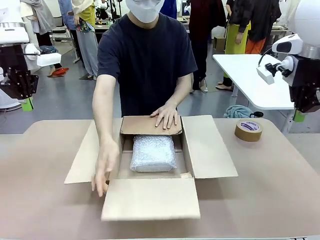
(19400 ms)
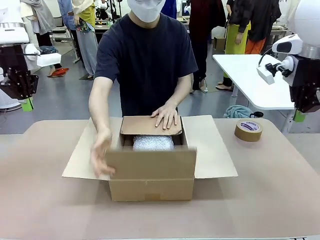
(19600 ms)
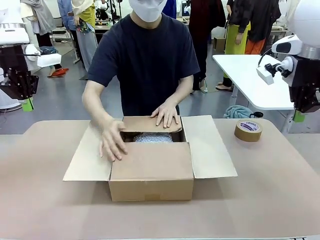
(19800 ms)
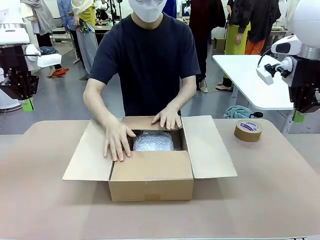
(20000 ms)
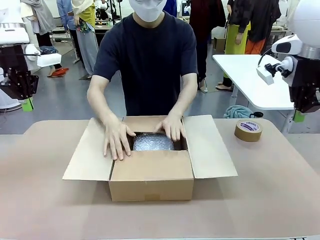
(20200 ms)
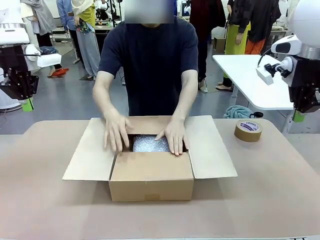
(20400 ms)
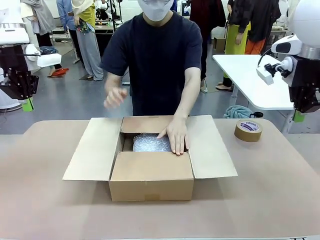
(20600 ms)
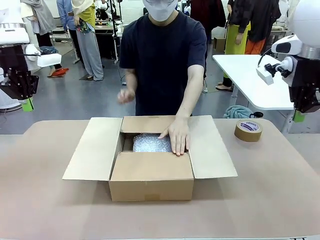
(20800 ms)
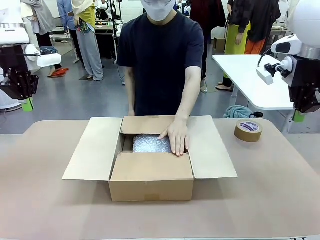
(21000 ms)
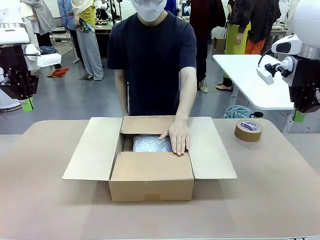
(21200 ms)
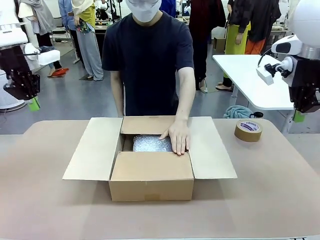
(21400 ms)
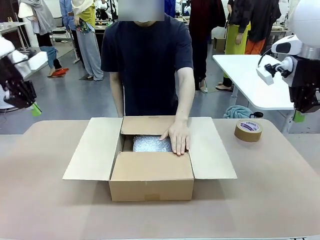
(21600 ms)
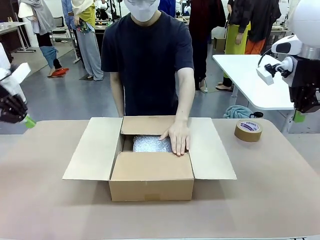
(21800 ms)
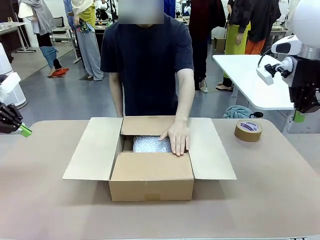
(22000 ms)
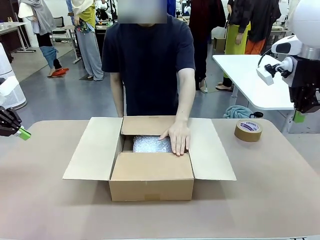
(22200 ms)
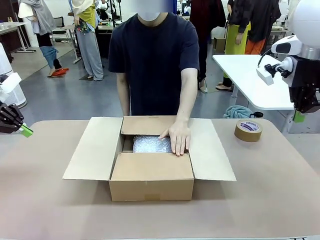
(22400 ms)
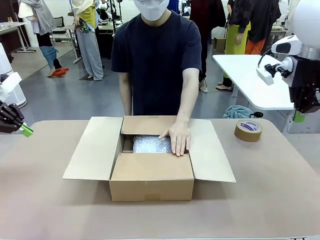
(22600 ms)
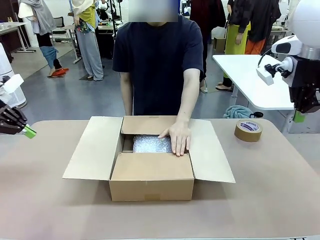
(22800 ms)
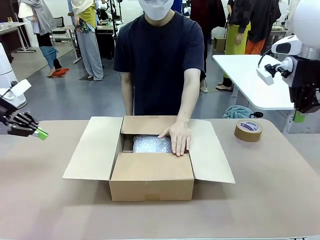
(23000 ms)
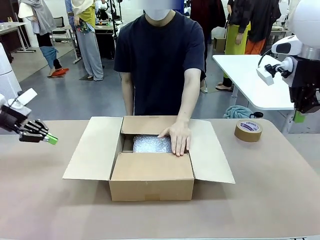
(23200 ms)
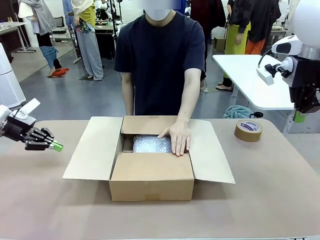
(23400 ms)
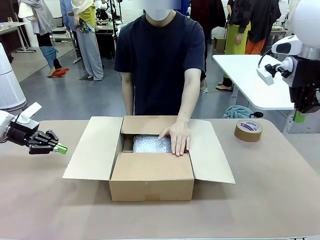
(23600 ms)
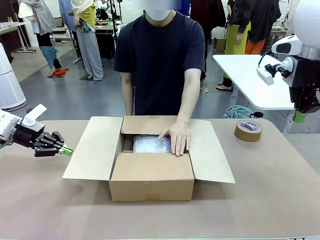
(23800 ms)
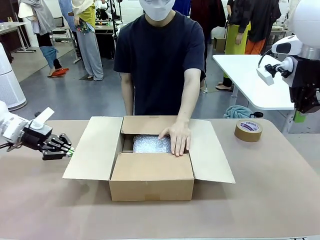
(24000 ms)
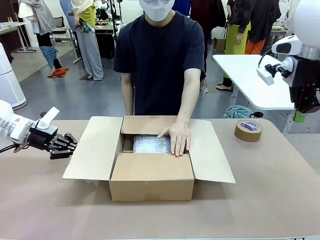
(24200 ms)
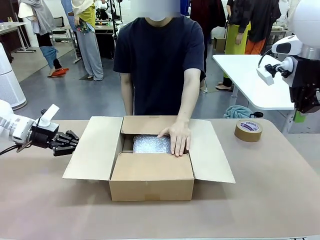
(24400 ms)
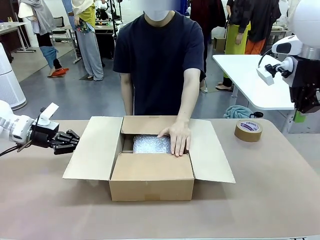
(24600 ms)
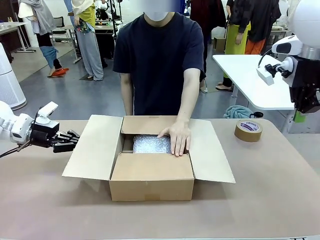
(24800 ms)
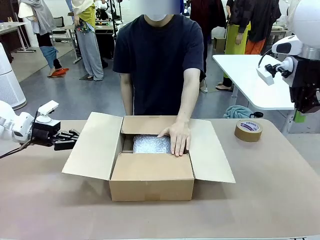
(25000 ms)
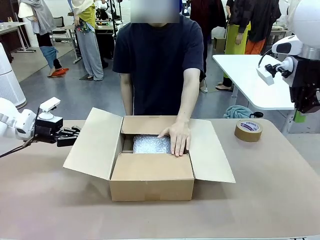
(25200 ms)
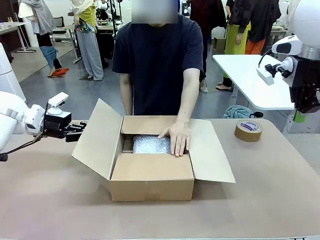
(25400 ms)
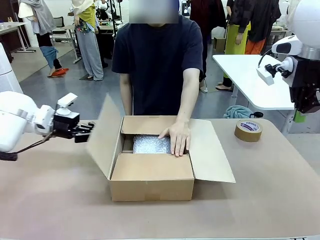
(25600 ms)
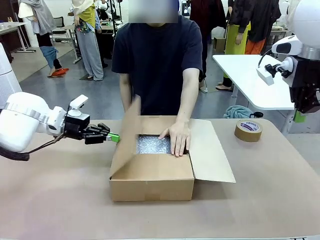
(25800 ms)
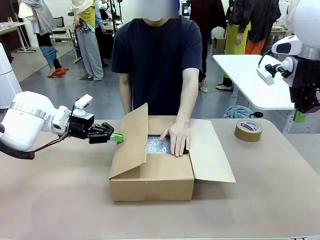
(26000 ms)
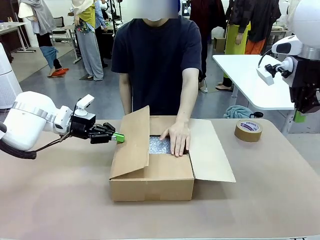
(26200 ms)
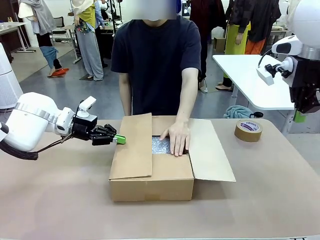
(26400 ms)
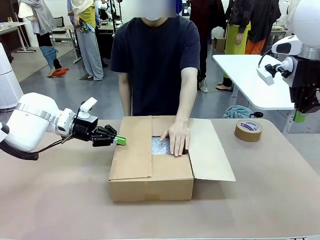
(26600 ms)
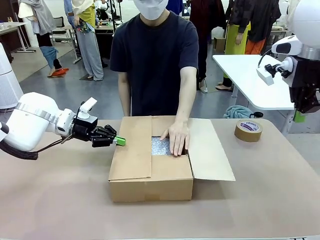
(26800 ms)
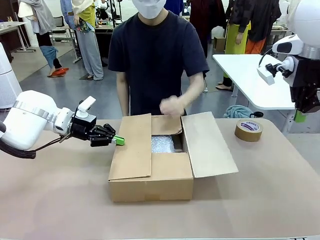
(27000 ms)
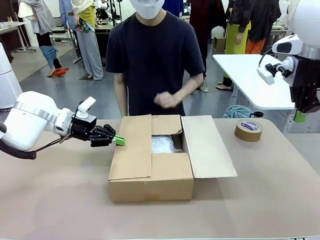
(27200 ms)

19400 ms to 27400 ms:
Task: Wrap the clocks to prevent damage.
Robot: Push the right (or left) flap of the Package Box to close it.
Person: Once the robot closes the right flap of the Package Box , release your left hand from the box.

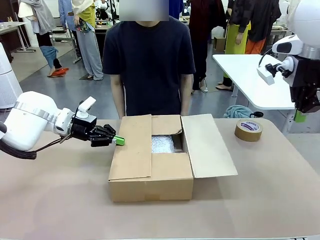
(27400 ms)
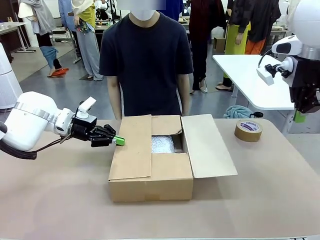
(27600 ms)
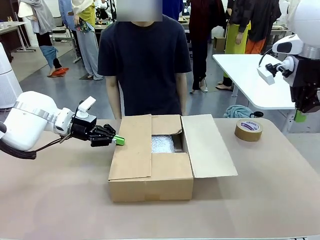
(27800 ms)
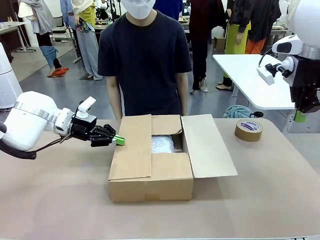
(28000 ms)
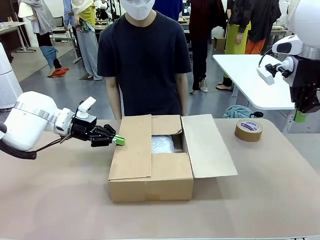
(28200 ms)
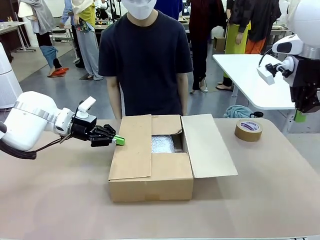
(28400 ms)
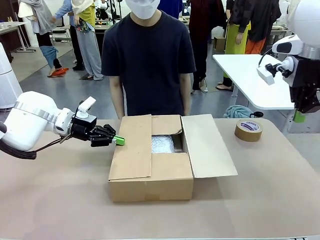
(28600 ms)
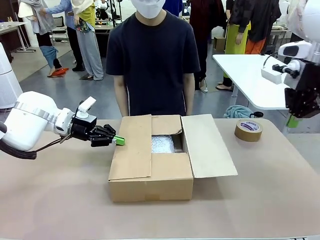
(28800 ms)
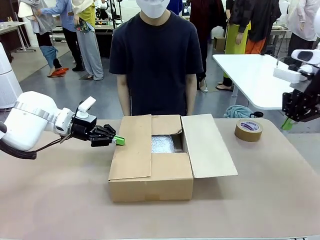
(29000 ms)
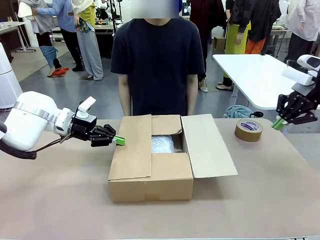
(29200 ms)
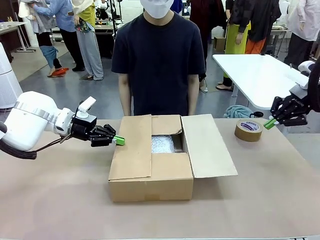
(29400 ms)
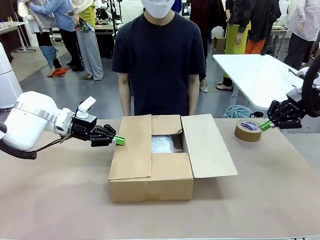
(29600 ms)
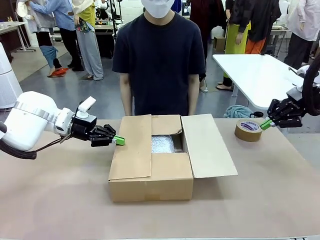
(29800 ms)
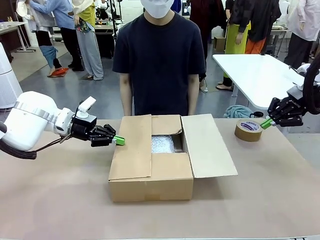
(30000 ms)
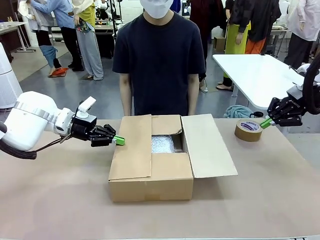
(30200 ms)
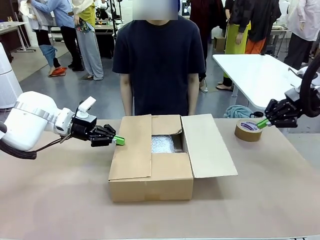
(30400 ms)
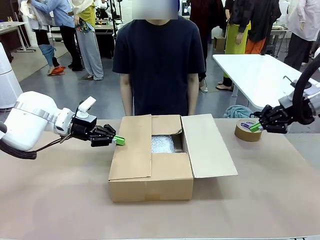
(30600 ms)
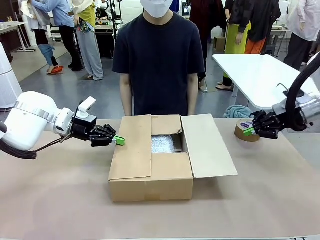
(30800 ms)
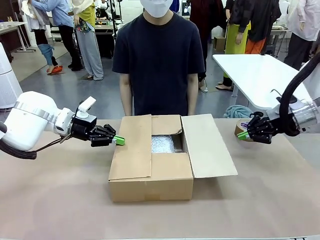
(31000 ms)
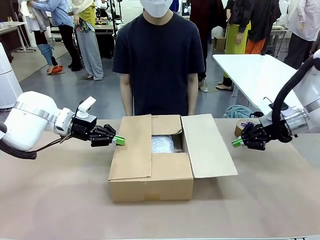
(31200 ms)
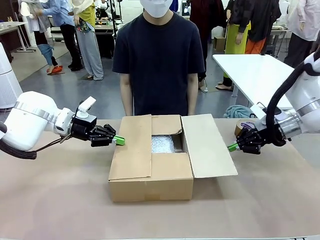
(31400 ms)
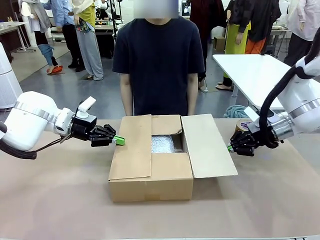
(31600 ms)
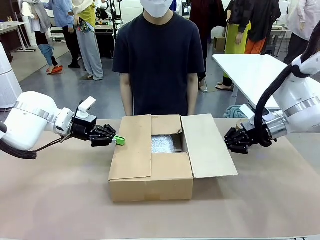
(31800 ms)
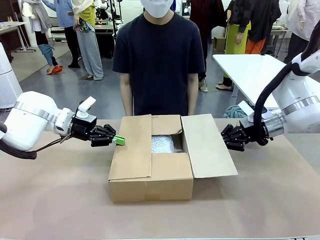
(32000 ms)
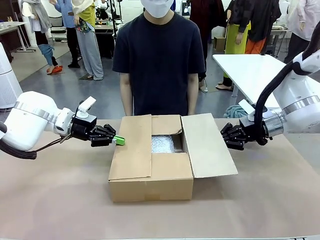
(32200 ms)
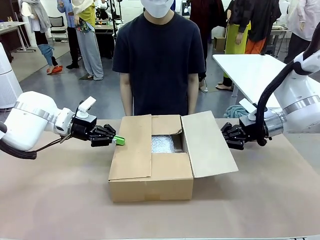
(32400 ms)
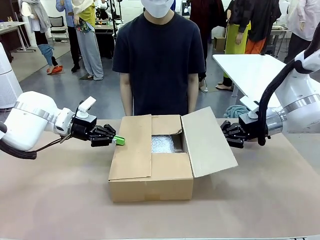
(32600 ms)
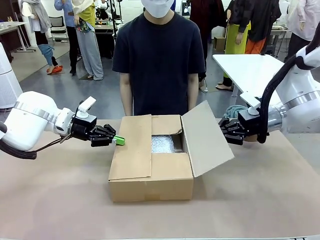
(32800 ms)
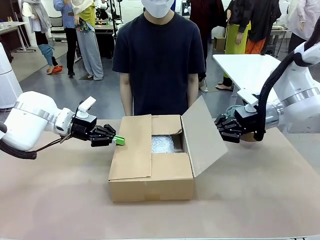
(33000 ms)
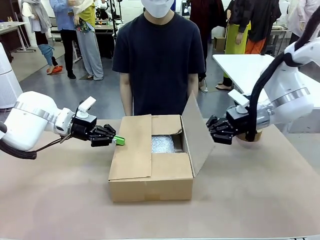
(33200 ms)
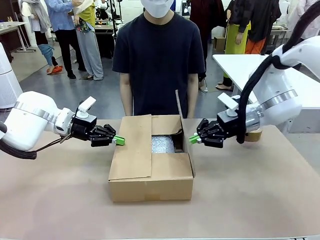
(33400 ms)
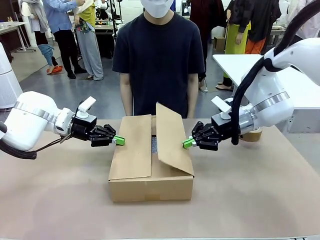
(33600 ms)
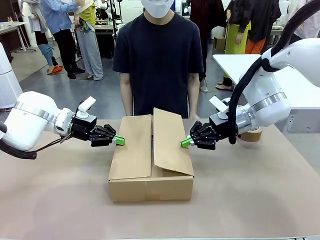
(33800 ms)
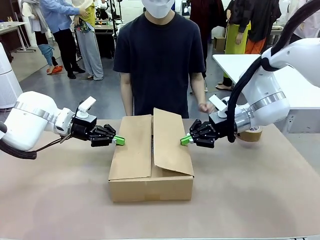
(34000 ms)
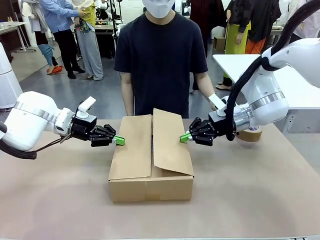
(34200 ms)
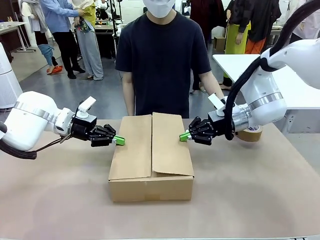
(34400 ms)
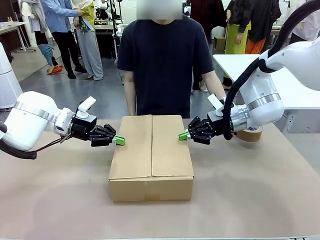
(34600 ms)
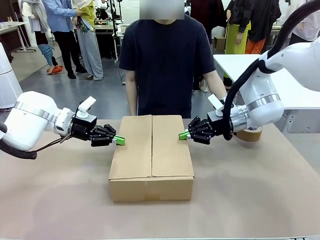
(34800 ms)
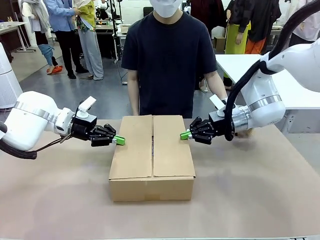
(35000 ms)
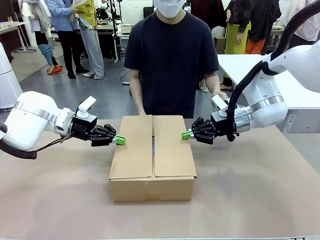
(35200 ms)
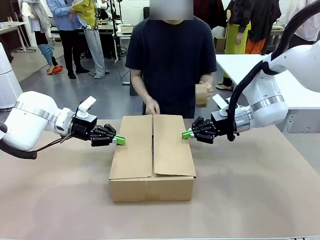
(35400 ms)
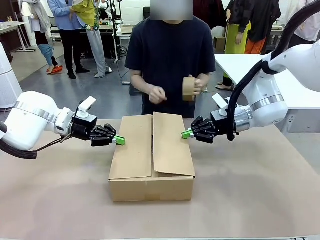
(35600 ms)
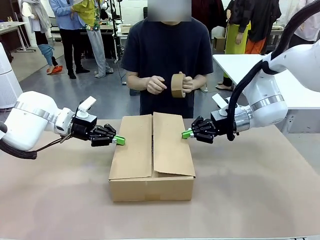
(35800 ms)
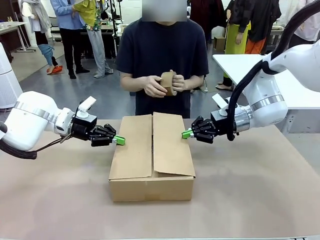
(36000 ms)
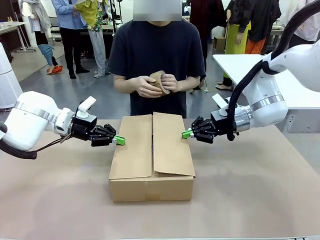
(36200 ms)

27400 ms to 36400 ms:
Robot: Push the left (or right) flap of the Package Box to close it.

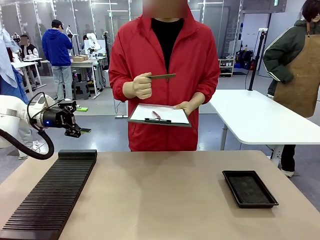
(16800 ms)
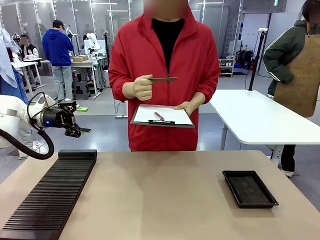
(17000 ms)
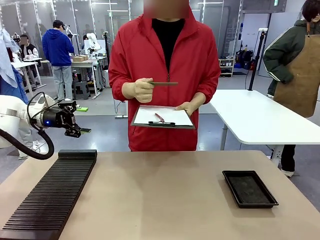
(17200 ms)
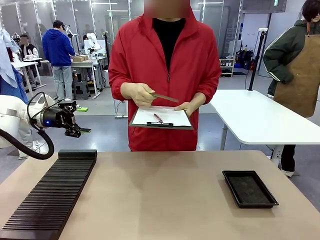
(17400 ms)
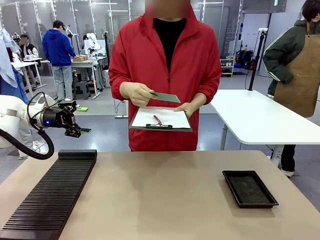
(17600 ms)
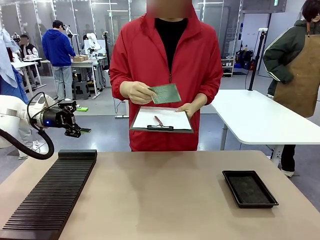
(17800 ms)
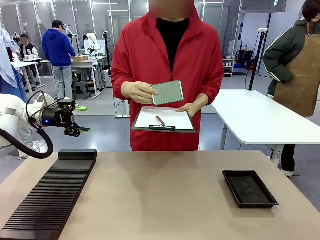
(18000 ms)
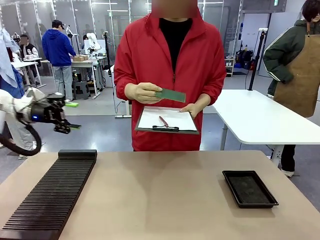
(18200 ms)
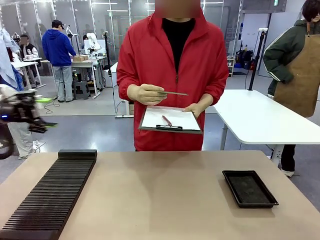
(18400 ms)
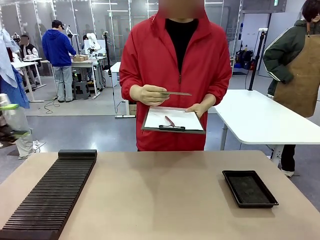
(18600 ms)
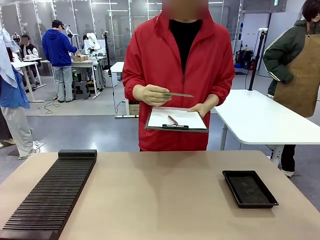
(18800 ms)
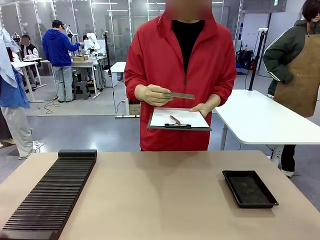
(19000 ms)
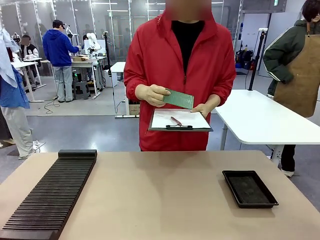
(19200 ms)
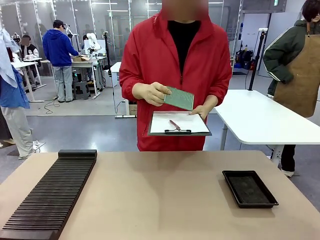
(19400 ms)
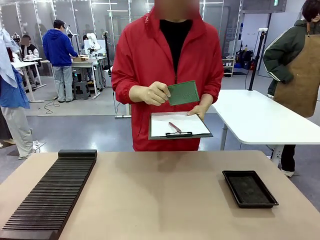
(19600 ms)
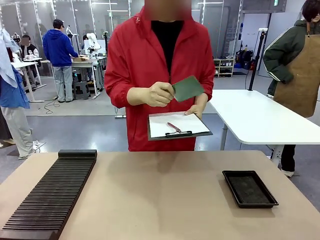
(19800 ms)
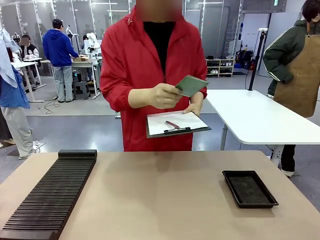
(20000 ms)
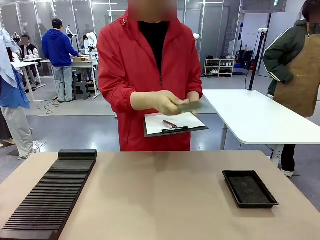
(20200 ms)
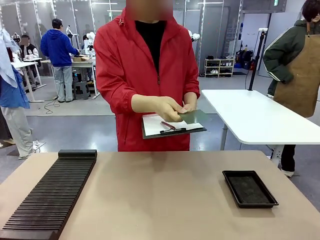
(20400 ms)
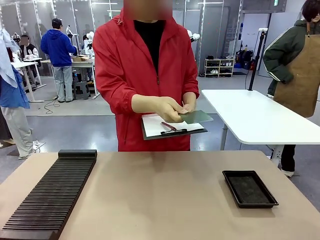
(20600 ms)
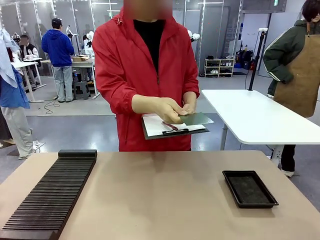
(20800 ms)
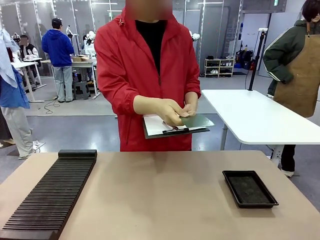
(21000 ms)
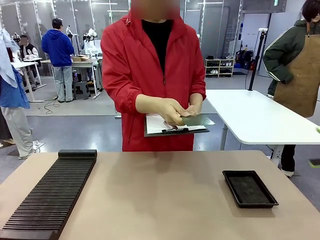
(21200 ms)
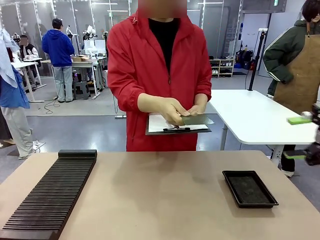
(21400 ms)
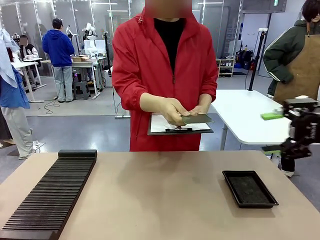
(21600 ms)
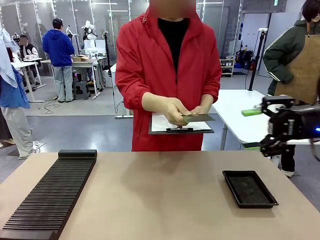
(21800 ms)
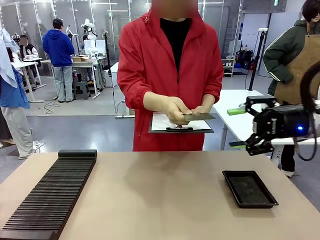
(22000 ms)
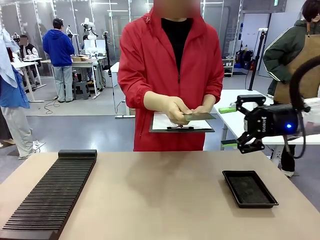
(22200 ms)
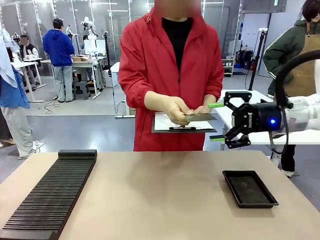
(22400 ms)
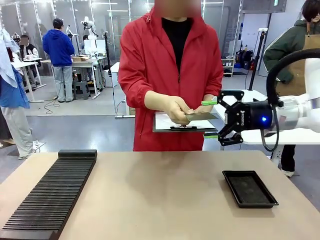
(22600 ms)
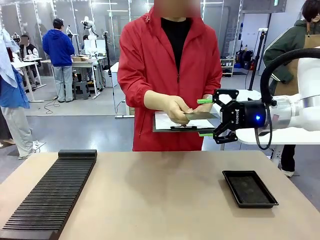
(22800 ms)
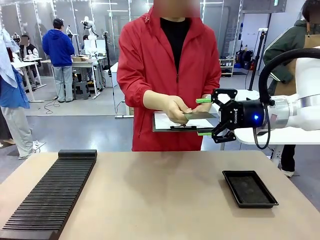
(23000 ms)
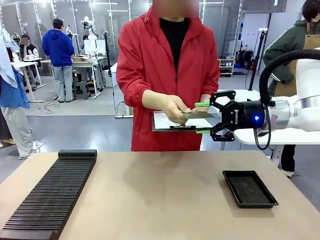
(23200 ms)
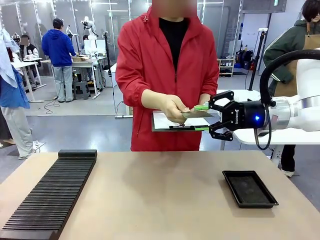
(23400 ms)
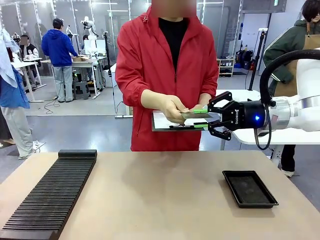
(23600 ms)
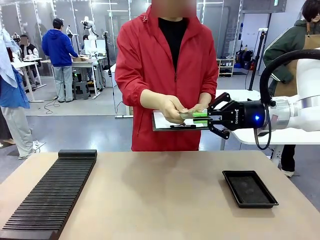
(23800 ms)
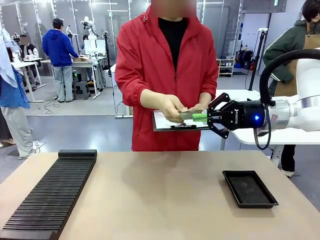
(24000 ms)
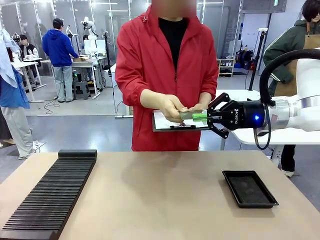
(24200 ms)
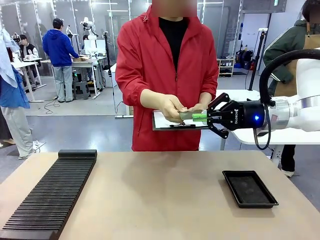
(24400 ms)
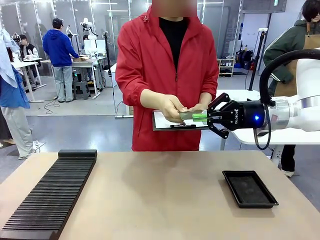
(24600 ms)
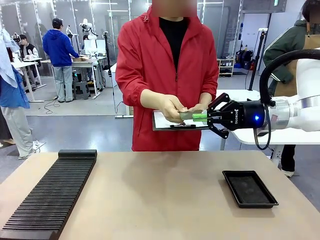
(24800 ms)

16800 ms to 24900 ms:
Task: Inspect the PCB.
Robot: Pick up the Blank PCB that the human is holding.
Person: Inspect the PCB placed by the robot, then hold it out in front of the robot. Release the PCB you were holding.
